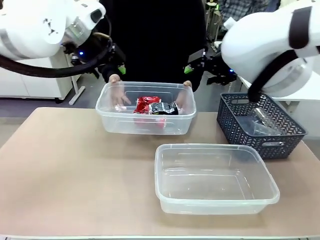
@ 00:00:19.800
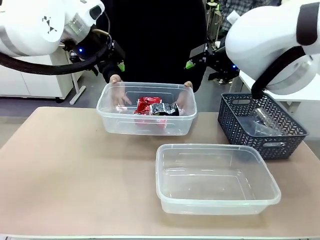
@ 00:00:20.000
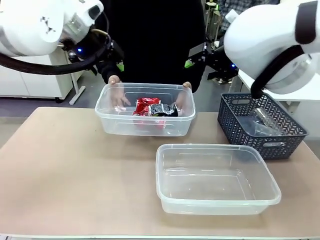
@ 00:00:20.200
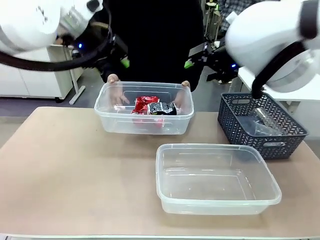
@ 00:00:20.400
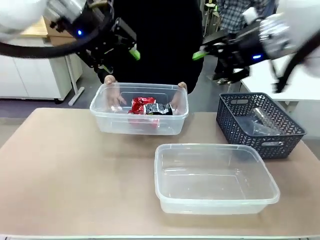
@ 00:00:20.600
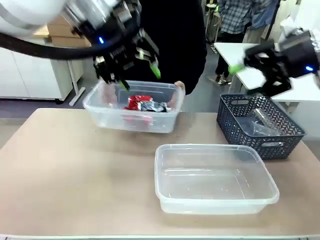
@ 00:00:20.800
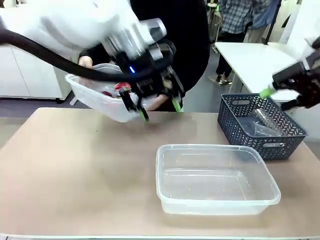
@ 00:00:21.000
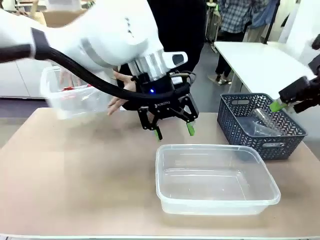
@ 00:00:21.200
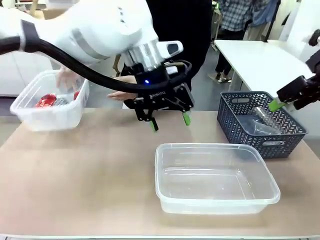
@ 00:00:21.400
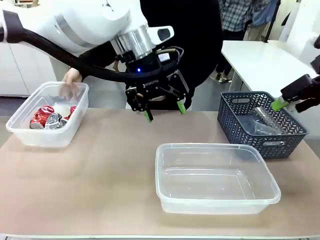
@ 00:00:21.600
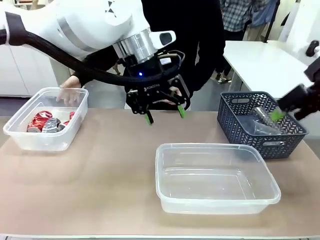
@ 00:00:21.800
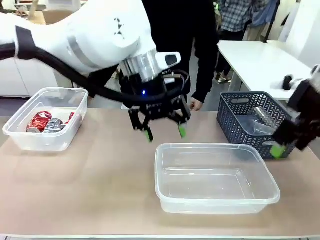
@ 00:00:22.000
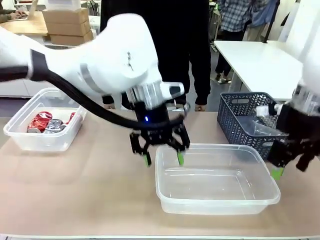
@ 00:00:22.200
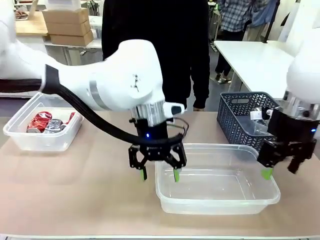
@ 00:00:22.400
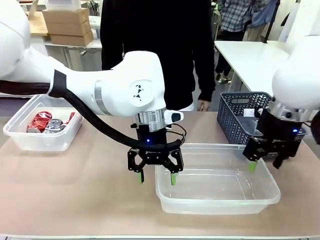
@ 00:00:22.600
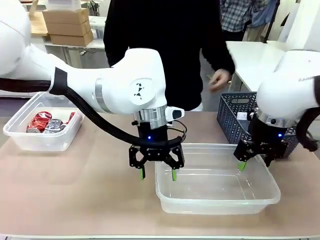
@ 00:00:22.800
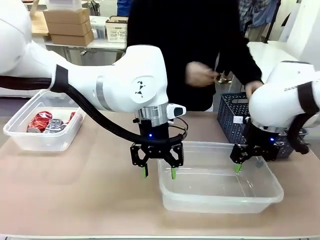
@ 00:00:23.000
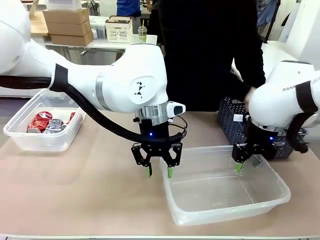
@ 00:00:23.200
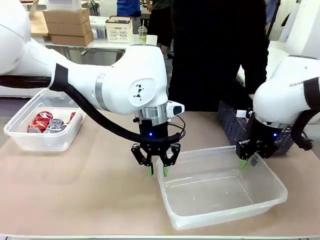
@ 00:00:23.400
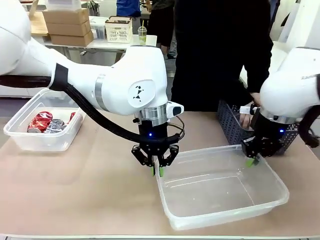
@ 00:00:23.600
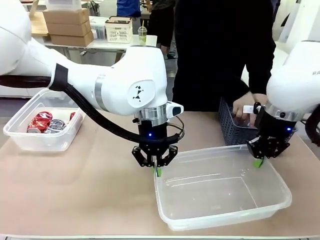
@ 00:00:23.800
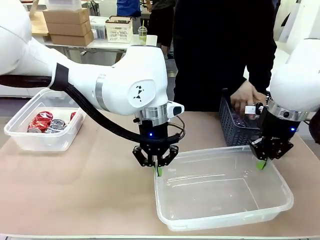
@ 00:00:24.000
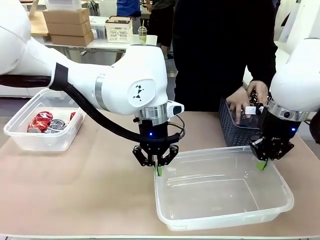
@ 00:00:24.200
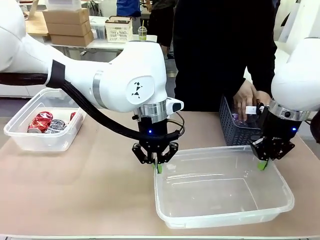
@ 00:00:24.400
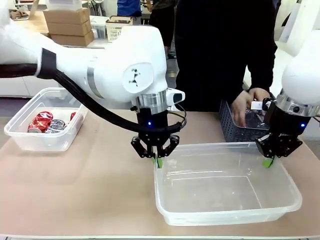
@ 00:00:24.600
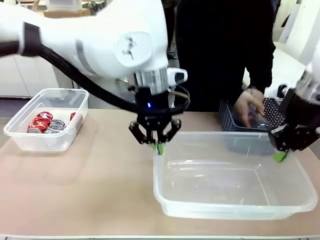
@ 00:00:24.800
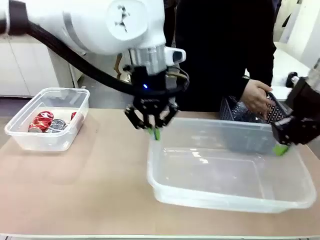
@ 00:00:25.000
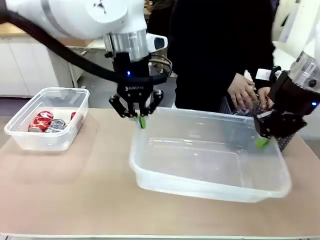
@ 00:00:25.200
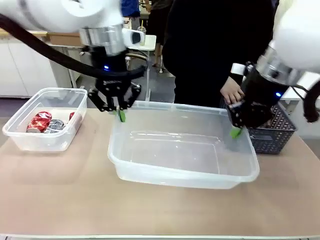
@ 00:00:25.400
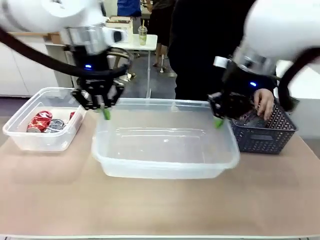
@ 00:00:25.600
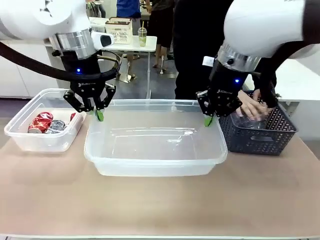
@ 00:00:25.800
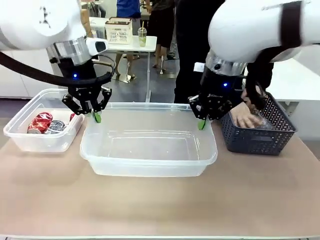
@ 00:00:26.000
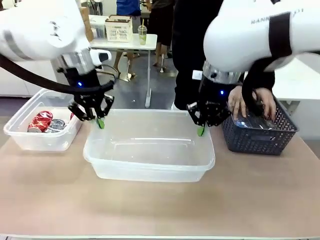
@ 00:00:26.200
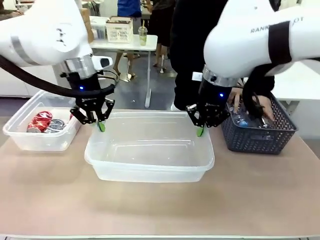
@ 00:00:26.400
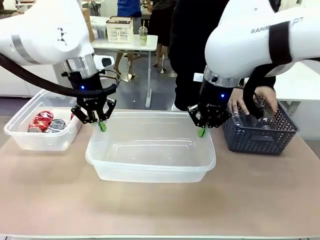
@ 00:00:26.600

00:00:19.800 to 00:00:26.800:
Robot: Pick up the Organizing box on the right side of the table and lift it.
Person: Place it at the edge of the bottom right area of the robot table. Pick up plastic waste one by one and place it into the organizing box lifted by the robot.

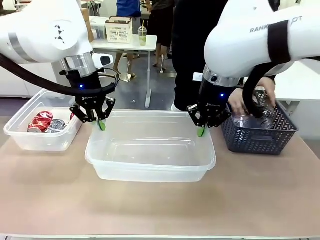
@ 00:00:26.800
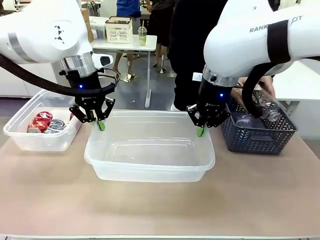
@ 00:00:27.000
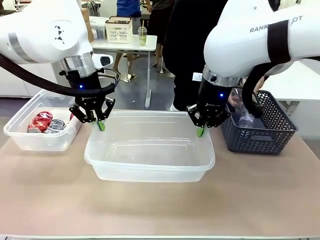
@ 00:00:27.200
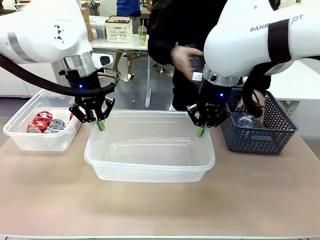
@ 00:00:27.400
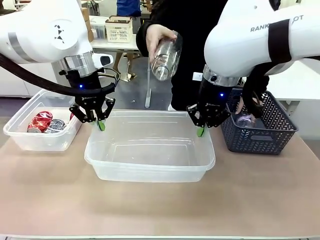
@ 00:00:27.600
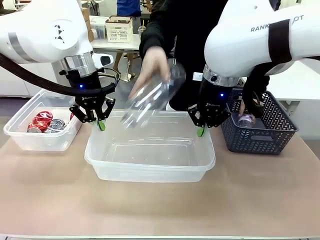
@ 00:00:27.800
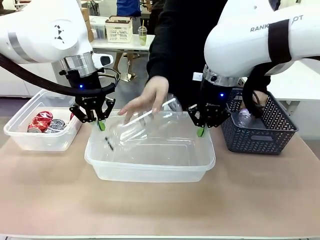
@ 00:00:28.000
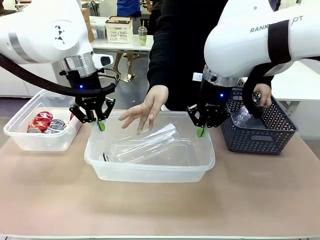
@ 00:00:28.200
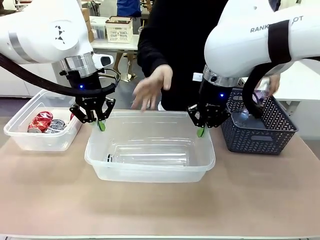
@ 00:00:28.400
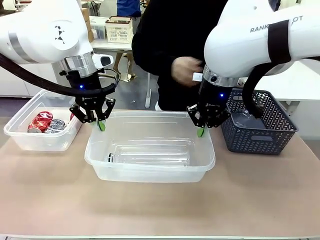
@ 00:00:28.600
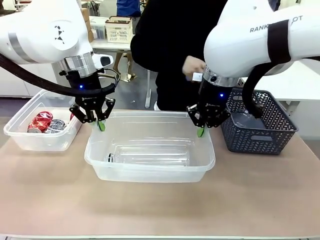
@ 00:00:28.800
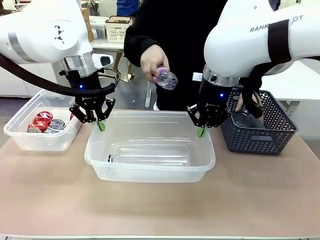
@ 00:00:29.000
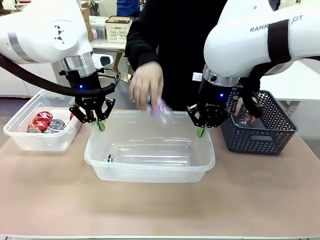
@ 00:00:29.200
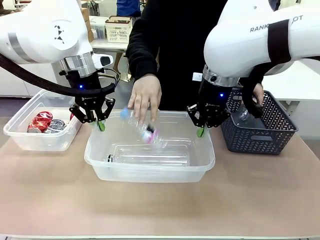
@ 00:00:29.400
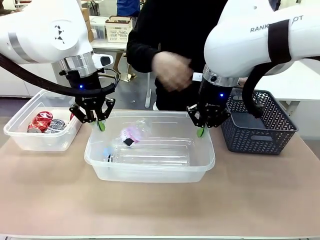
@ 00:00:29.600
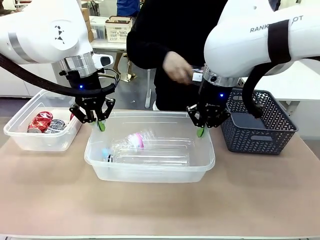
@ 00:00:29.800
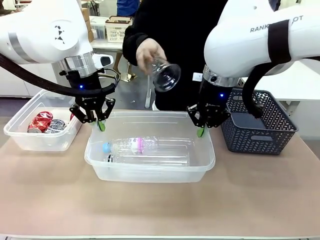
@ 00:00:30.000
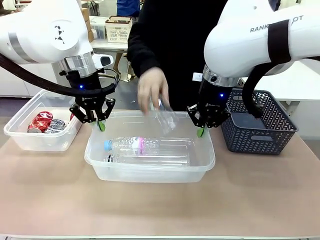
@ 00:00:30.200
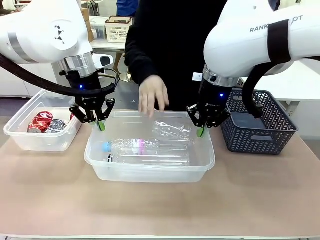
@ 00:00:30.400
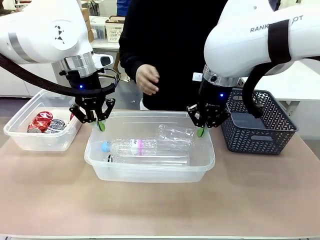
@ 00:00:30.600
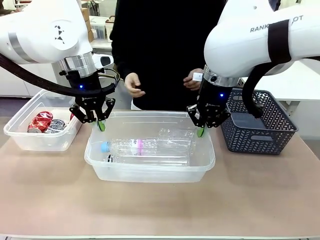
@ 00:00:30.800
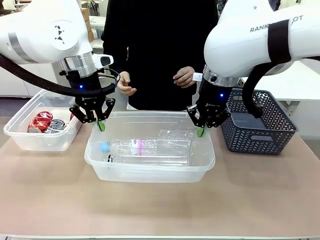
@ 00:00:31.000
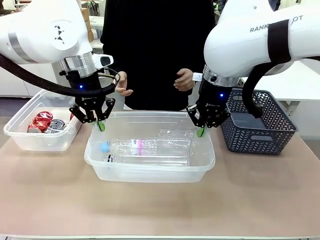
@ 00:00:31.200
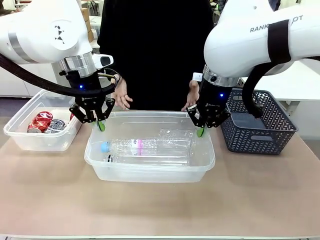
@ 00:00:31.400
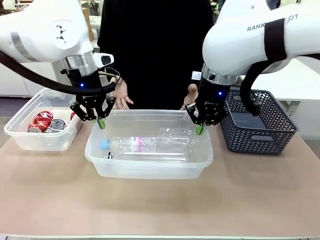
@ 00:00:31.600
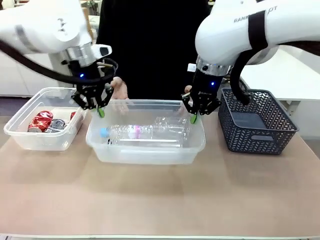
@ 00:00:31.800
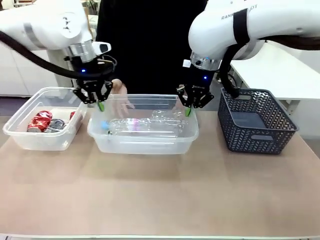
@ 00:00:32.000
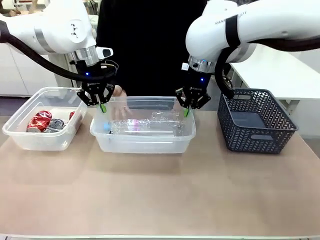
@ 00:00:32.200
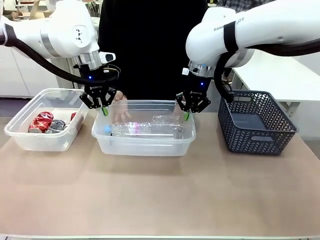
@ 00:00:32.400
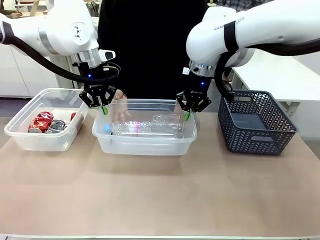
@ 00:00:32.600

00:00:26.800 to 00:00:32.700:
Robot: Offer the picked Organizing box to the human.

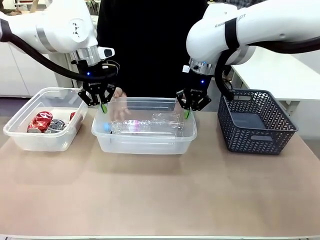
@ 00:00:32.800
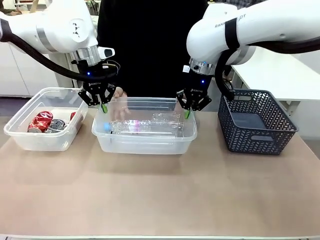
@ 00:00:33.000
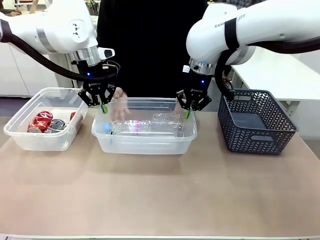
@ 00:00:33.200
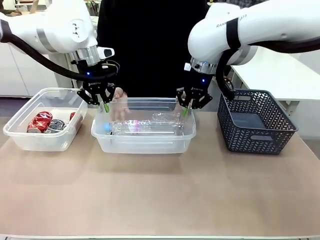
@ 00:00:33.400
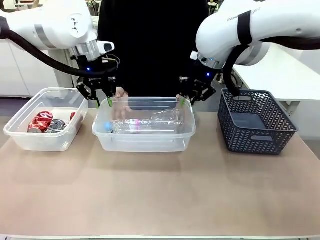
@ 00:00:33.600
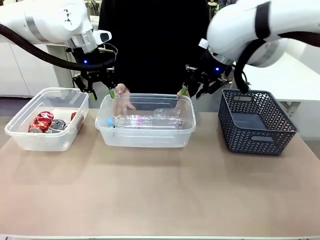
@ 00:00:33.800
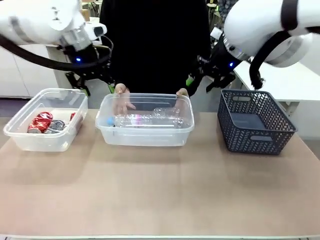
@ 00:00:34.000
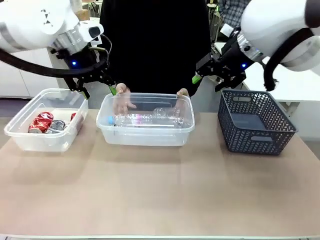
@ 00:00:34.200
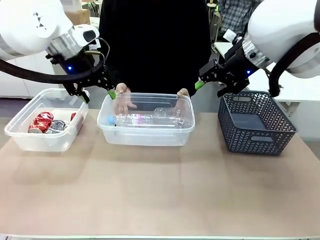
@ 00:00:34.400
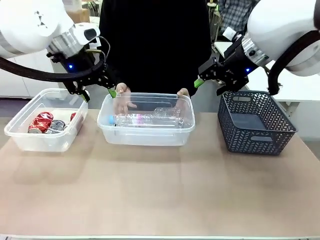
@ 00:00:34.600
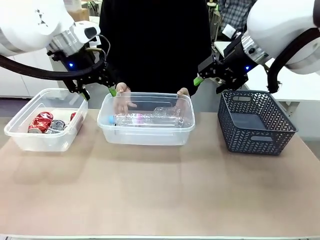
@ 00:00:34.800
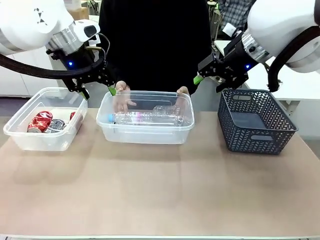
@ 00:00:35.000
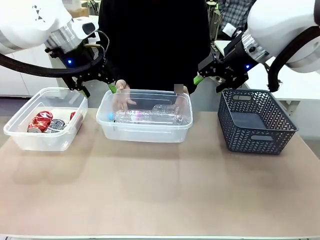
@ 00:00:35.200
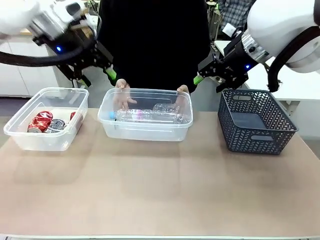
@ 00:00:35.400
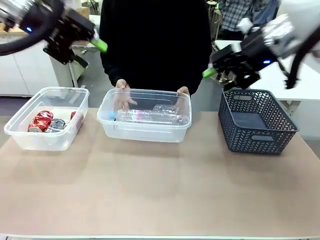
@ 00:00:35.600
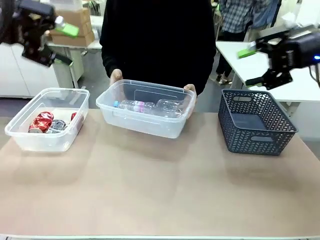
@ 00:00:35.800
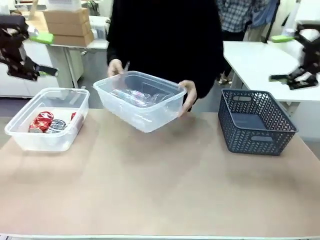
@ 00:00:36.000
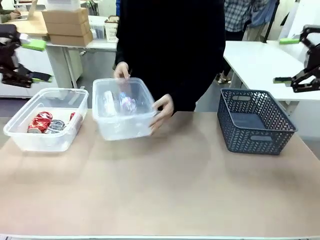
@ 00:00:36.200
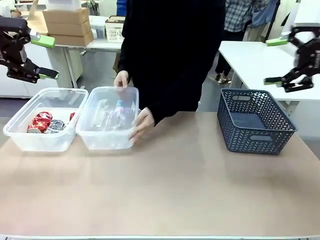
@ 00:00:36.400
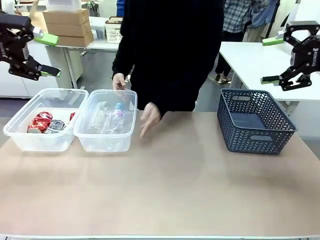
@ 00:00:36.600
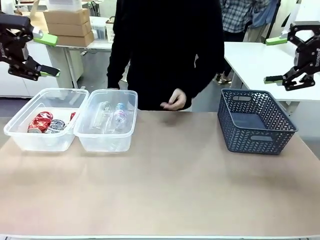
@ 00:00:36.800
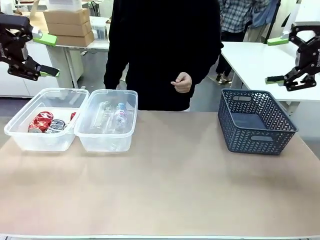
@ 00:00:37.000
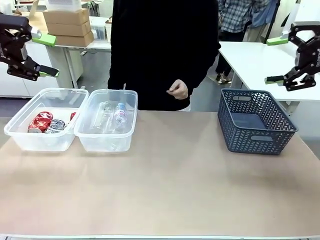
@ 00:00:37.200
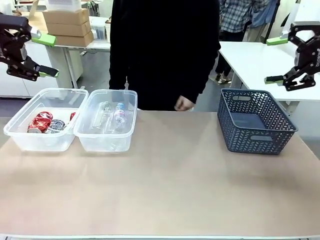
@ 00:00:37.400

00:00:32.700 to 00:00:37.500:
Robot: Release the Organizing box you were holding.
Person: Pick up the organizing box extended by the robot. Place the organizing box to the left of the sorting box containing the can waste.

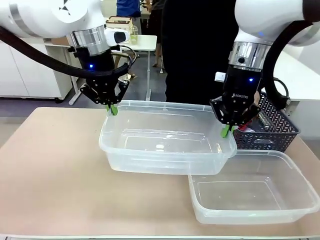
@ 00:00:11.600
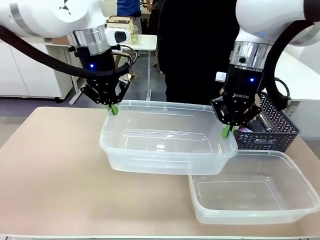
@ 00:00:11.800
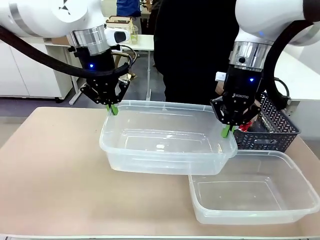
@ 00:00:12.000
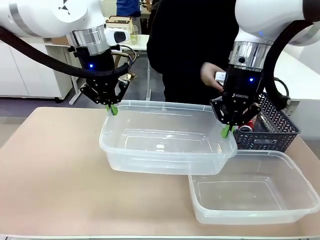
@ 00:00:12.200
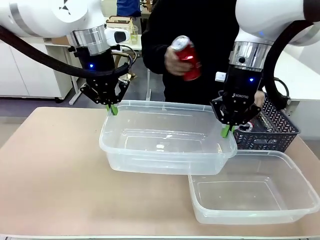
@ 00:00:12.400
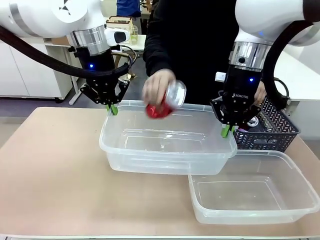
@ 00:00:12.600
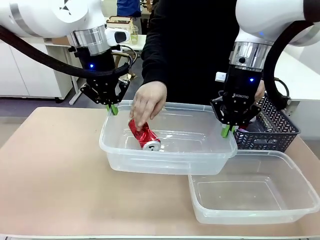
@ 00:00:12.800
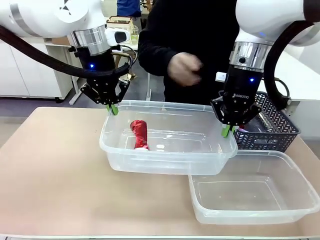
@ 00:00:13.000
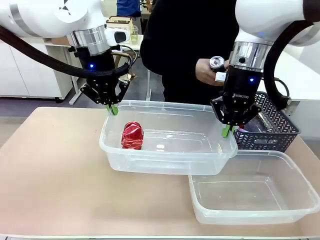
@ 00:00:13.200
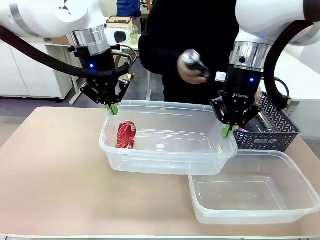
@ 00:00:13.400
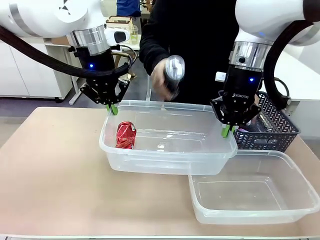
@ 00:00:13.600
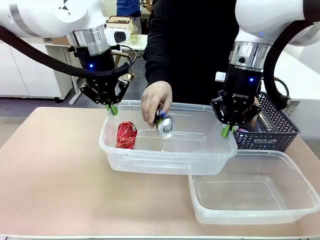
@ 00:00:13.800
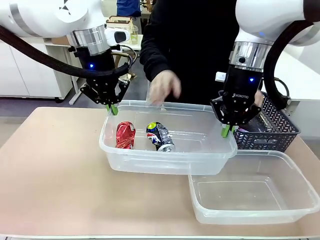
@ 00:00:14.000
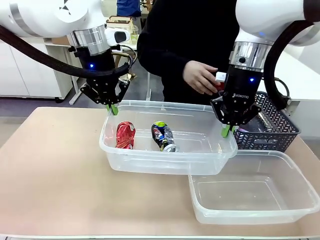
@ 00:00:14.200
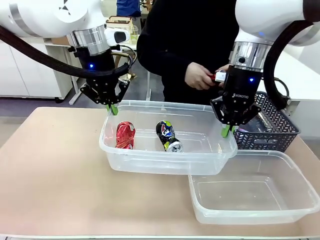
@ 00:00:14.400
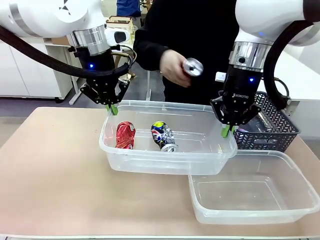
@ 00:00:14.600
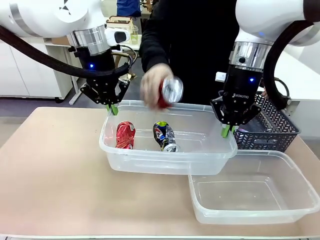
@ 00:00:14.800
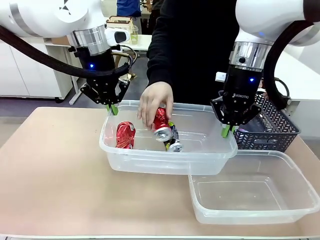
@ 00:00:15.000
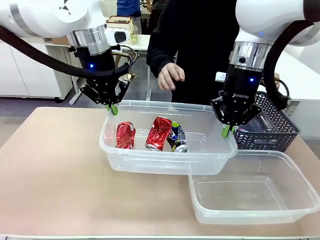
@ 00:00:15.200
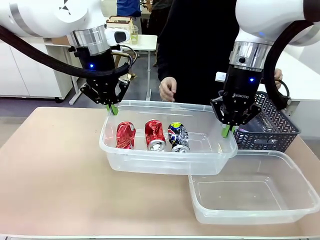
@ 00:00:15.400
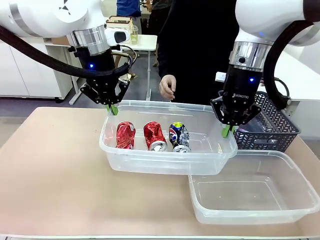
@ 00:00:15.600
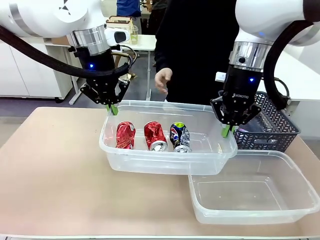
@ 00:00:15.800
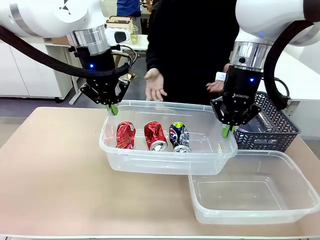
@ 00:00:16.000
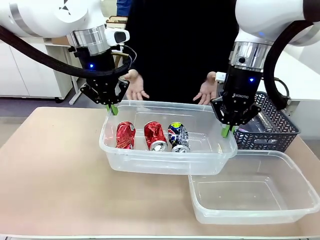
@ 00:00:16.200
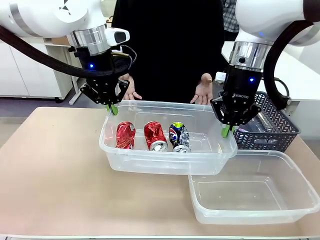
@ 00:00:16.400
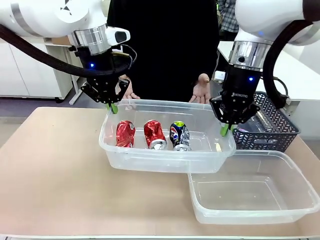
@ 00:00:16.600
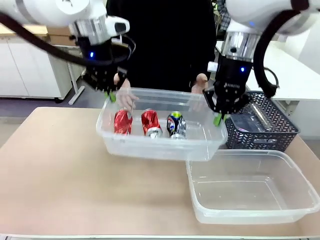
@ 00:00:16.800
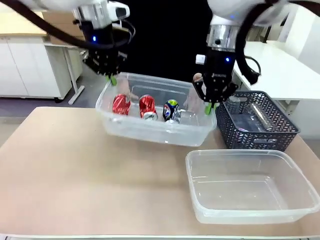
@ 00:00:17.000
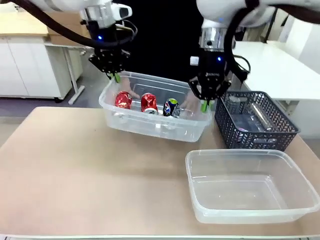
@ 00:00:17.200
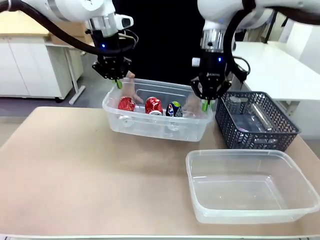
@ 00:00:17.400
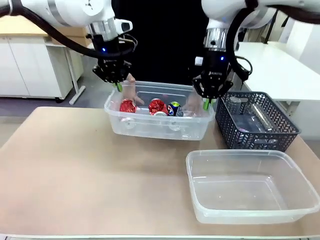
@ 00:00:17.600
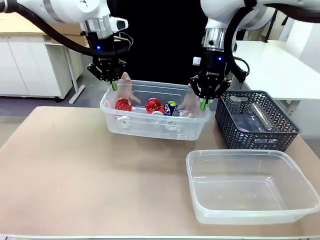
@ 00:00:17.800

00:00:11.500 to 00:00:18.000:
Robot: Offer the picked Organizing box to the human.
